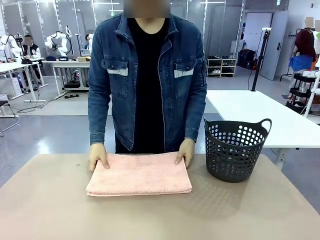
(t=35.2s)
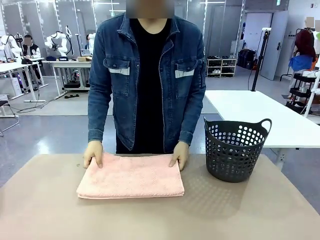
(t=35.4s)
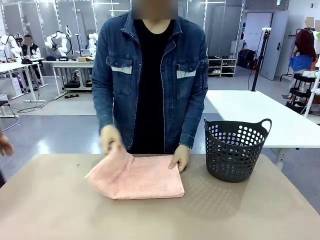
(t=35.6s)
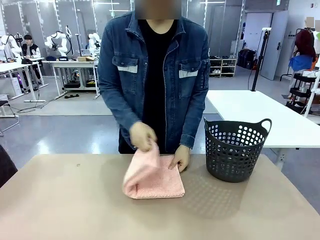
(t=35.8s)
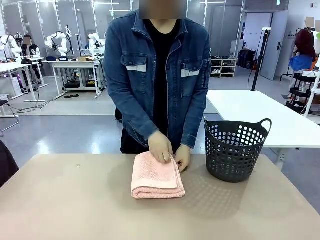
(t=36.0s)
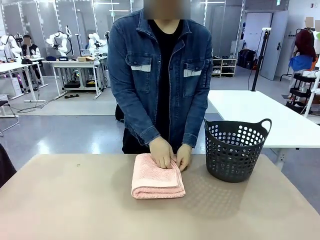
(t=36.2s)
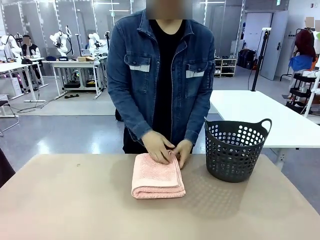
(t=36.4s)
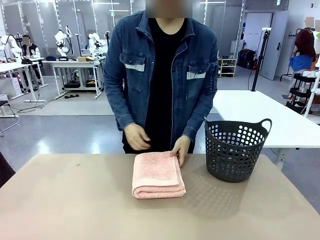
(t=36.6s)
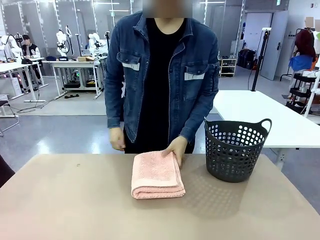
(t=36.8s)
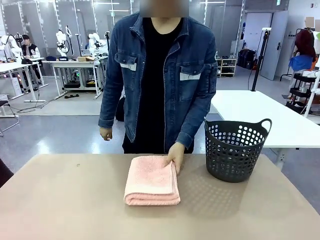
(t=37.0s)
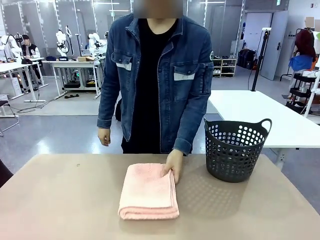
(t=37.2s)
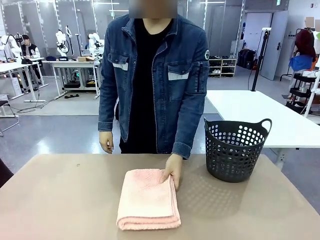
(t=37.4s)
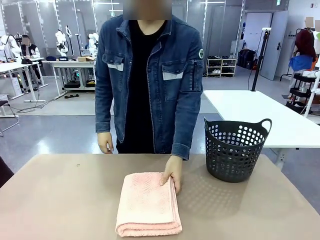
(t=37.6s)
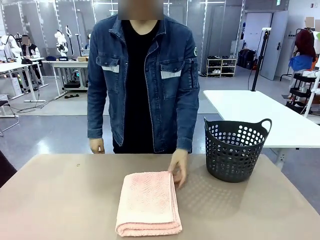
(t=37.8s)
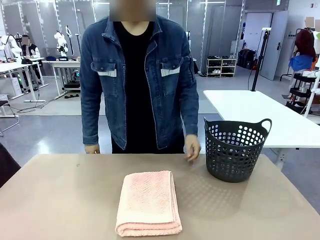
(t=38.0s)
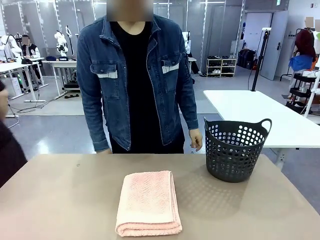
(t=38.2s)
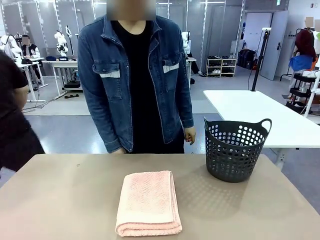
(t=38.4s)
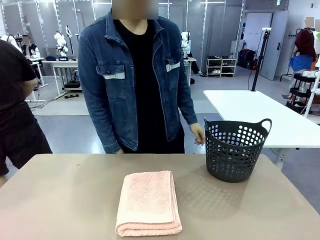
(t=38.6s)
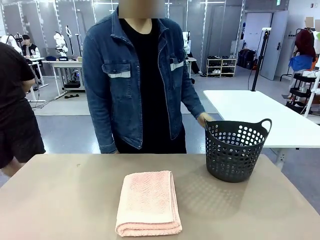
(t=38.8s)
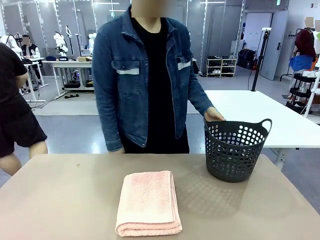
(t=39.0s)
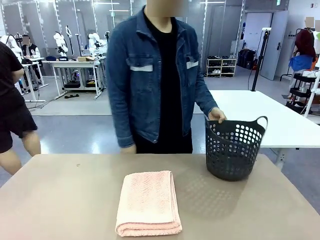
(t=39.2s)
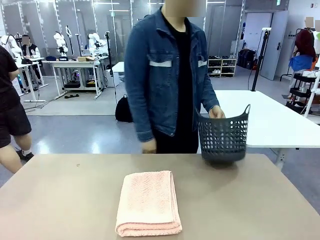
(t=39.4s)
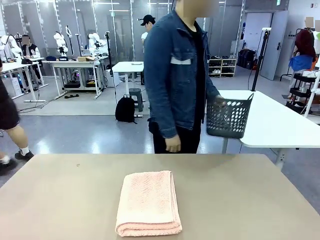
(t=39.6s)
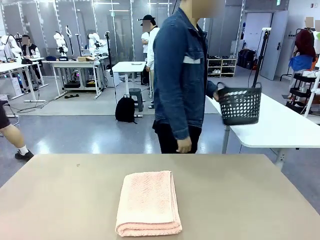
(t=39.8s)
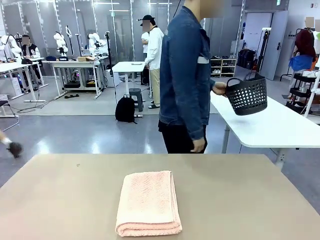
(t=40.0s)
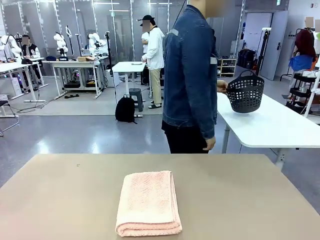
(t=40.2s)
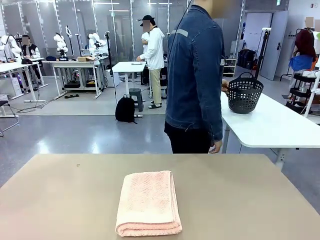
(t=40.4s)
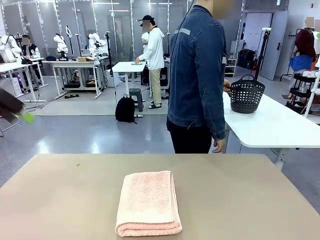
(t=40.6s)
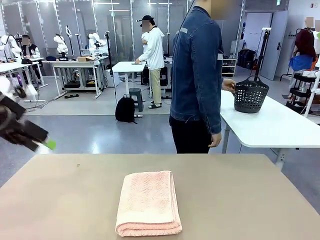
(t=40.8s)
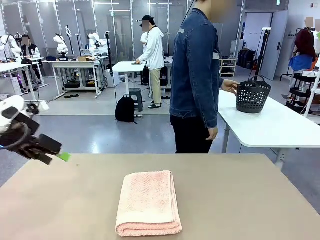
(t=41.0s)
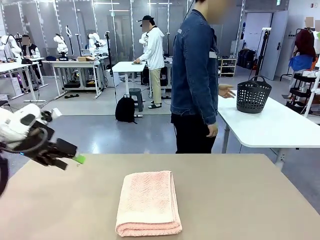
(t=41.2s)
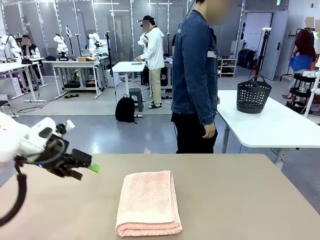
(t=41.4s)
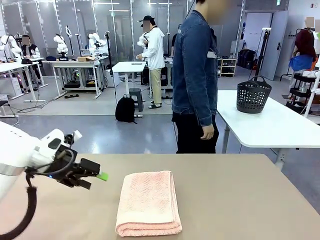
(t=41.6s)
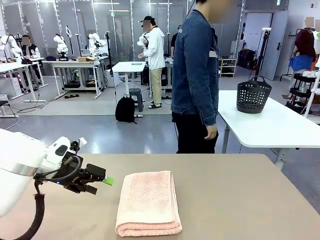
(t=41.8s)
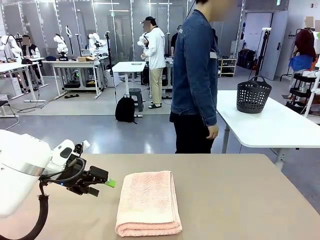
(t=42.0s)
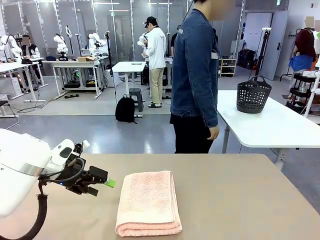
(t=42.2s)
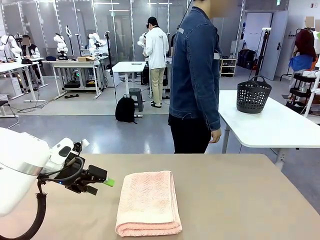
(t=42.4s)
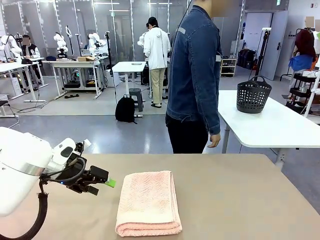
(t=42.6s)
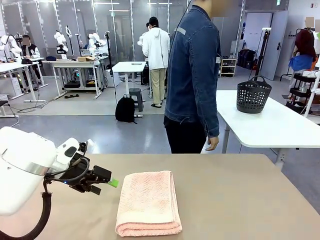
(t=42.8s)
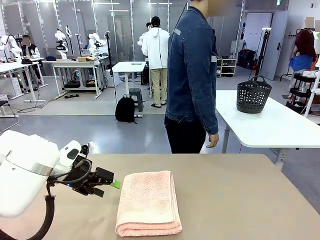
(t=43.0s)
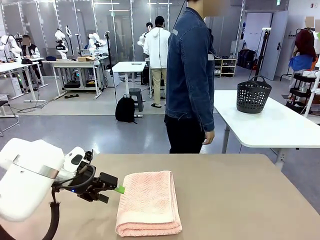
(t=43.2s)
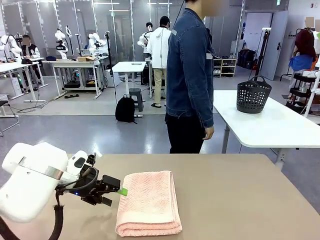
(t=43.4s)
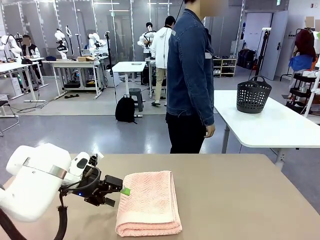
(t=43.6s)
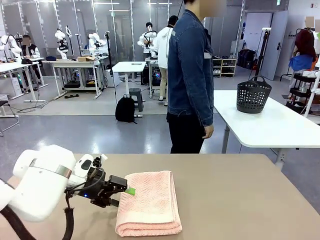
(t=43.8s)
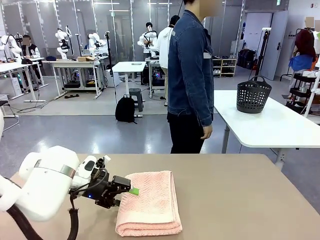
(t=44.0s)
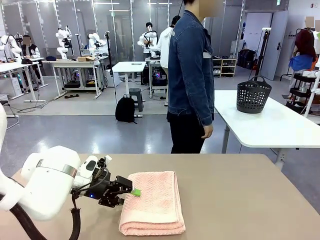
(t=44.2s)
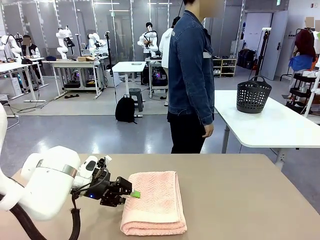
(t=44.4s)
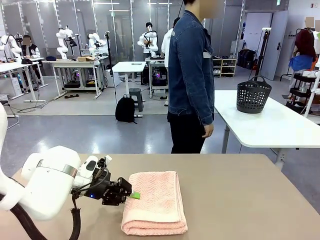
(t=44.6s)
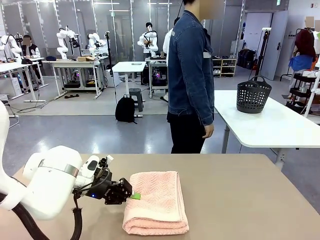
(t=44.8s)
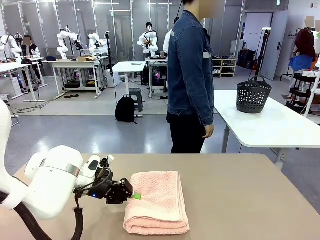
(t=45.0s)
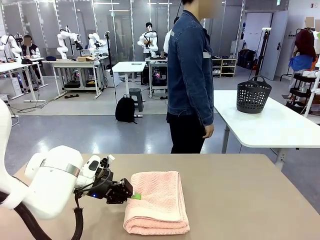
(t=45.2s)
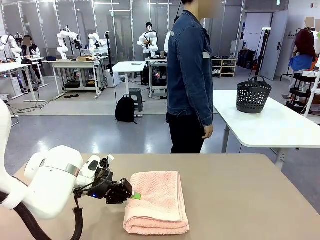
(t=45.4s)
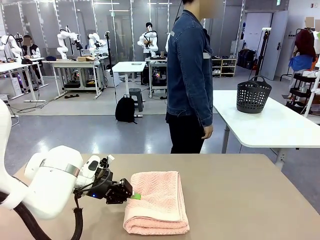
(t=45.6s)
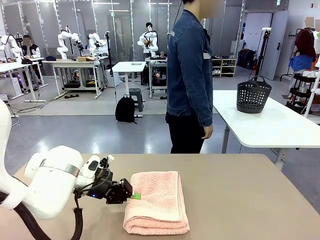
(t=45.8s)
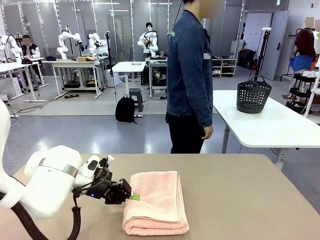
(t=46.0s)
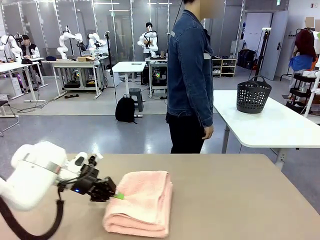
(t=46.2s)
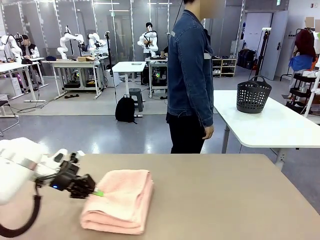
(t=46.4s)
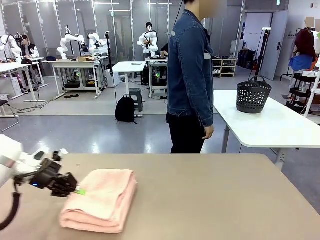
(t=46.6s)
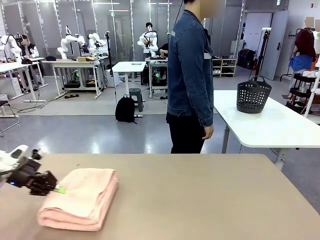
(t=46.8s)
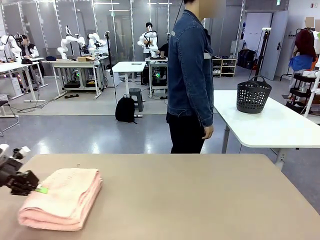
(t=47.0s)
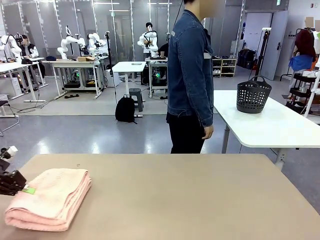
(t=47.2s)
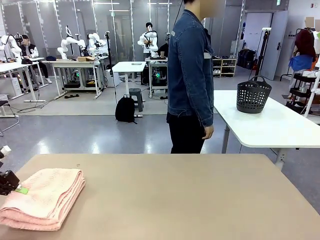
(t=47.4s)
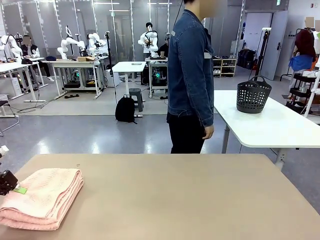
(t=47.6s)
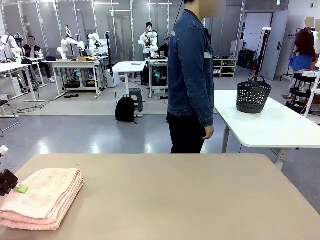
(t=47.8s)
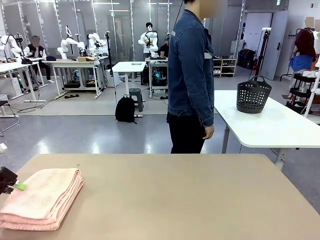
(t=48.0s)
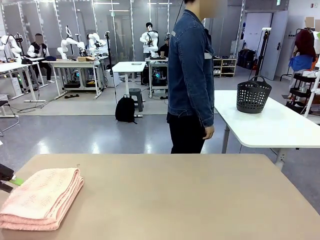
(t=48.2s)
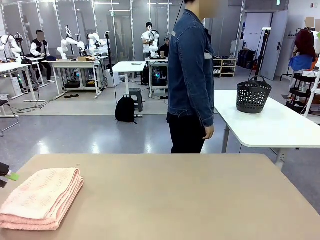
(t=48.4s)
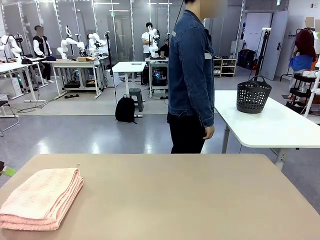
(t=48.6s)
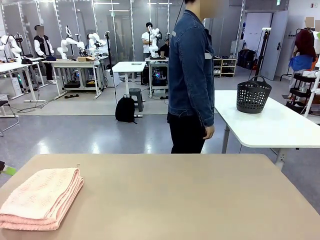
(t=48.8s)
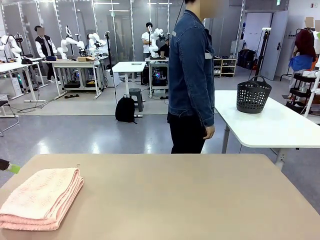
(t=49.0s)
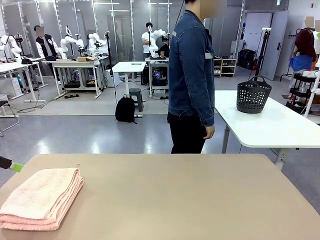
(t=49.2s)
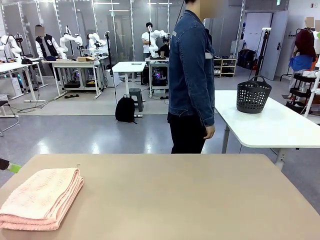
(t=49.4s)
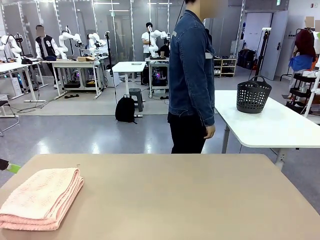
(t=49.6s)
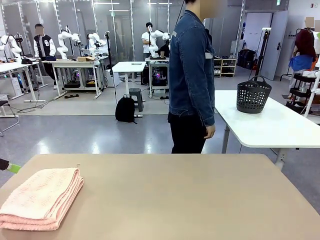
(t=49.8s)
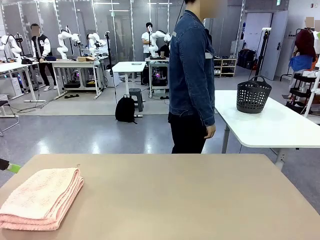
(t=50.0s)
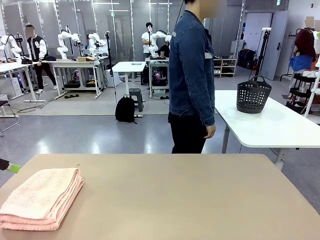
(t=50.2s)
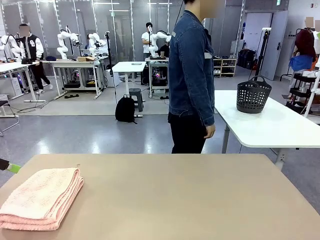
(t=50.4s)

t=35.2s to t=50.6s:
Task: Fold the towel.
Robot: Pick up the 100 cm Hotel Towel and place it on the left side of the table.
Person: Pick up the laundry basket and place it at the center of the human table.

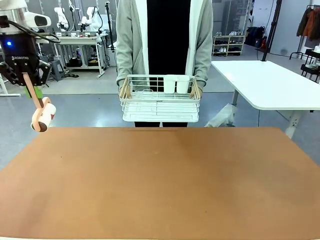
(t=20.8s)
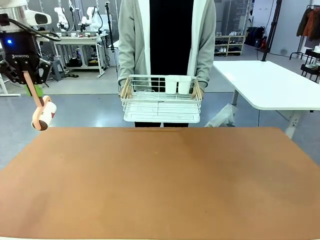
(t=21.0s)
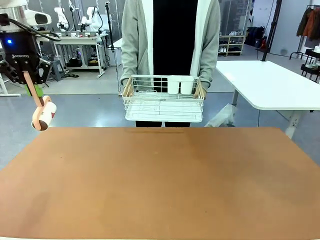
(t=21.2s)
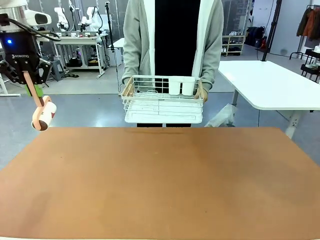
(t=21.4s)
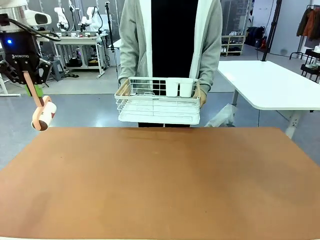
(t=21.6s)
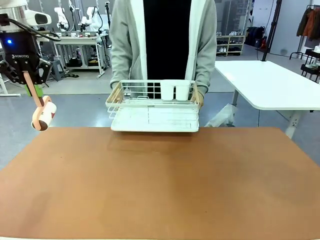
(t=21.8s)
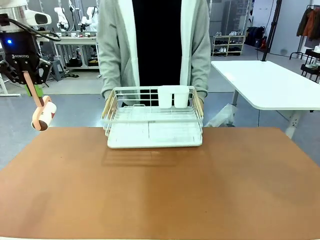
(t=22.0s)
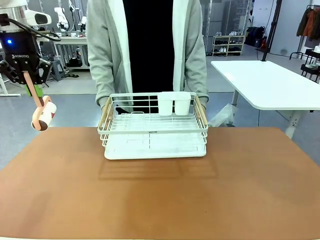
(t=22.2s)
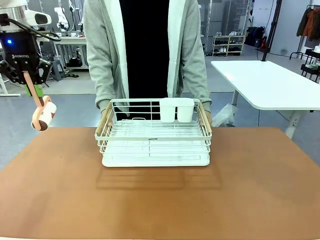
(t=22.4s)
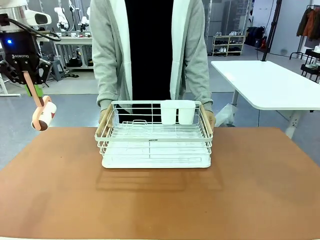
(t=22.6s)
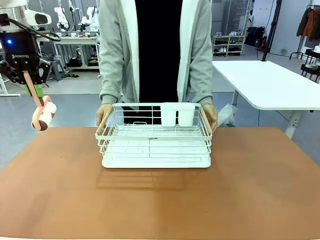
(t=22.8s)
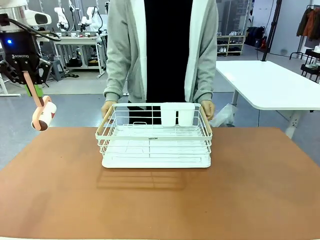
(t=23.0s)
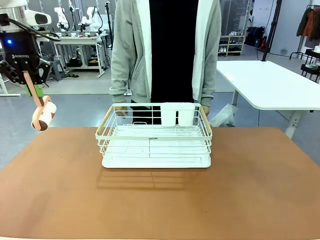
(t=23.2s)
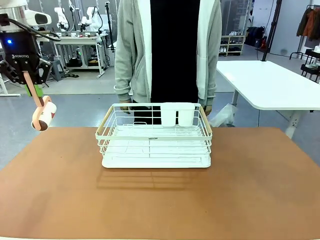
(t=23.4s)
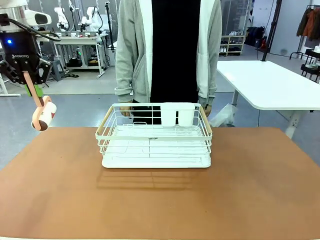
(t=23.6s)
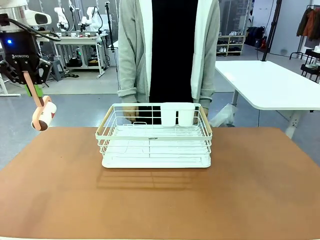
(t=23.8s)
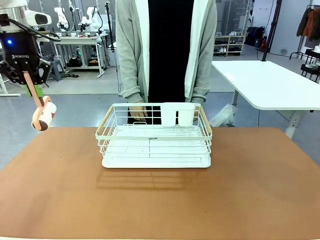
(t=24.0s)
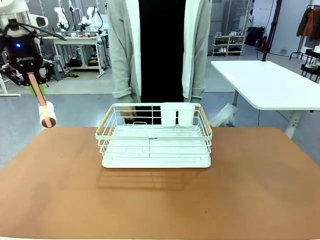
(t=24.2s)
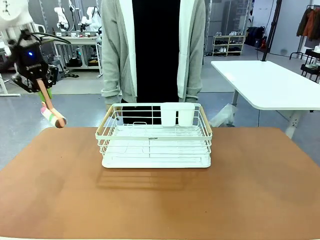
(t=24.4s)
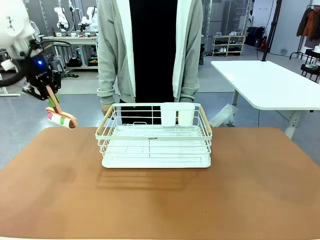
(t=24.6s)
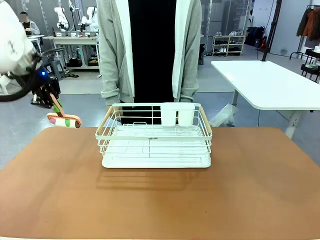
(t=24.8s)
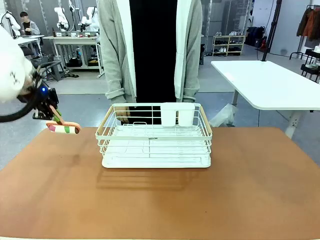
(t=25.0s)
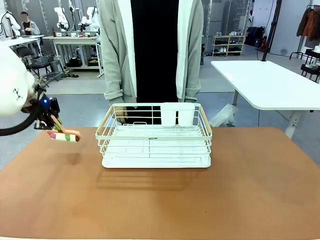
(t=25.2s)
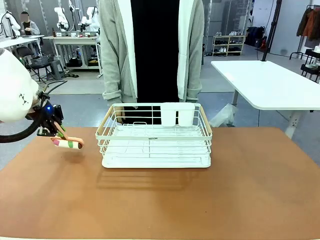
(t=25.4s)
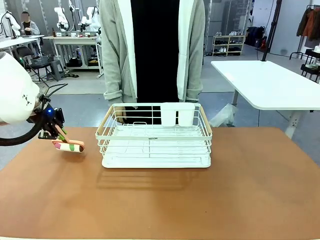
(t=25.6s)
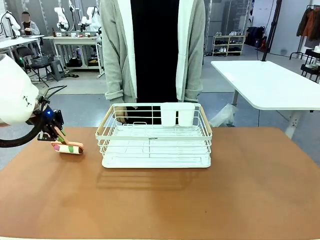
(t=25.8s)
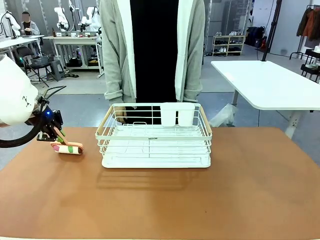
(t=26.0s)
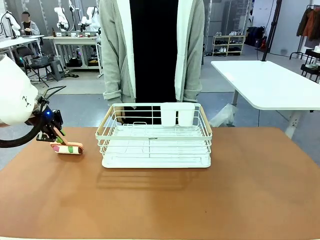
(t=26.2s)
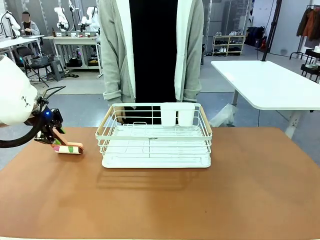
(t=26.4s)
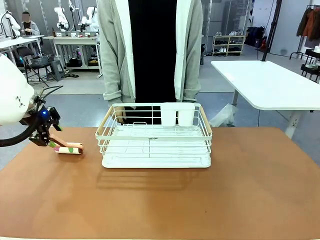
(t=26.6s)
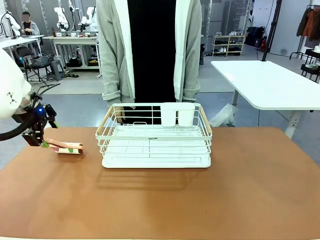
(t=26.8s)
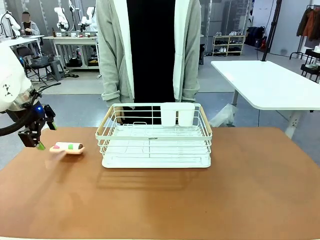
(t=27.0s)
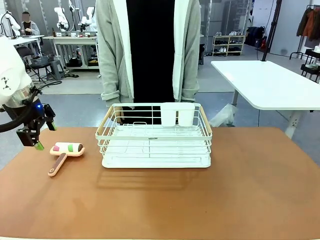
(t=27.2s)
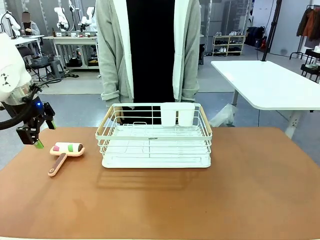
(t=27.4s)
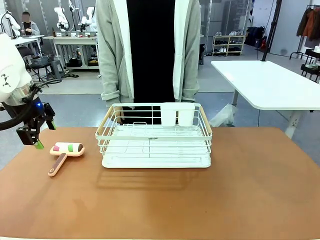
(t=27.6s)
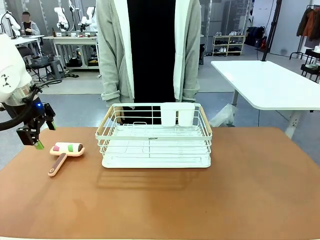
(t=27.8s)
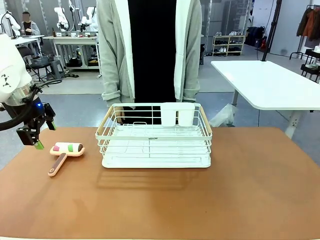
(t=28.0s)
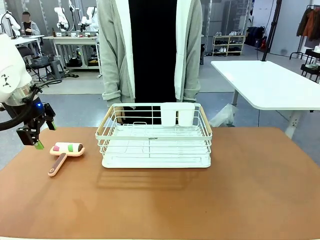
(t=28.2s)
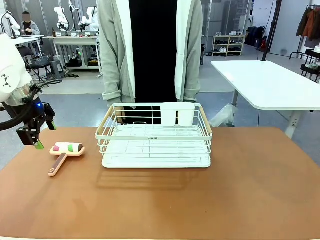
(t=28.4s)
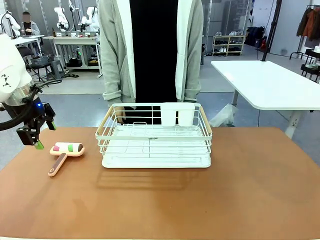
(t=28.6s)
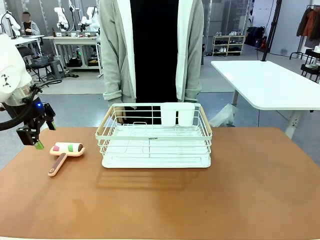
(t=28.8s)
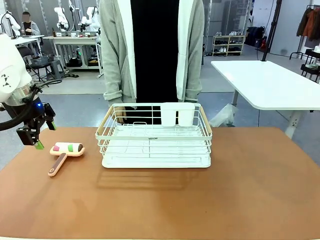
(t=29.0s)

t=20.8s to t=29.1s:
Task: Clean the table.
Robot: Place the Lint Roller down when the Dish drying rack is positioned in the middle of the table.
Person: Place the Dish drying rack down when the robot finishes cleaning.
